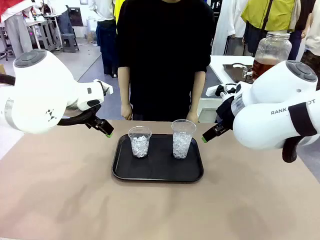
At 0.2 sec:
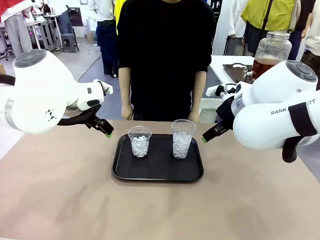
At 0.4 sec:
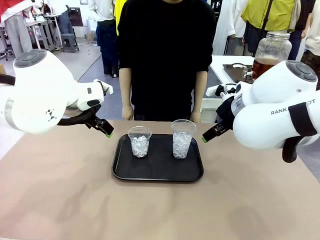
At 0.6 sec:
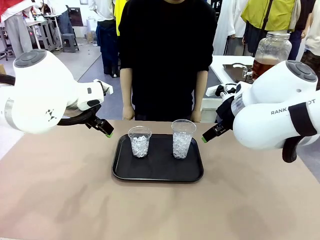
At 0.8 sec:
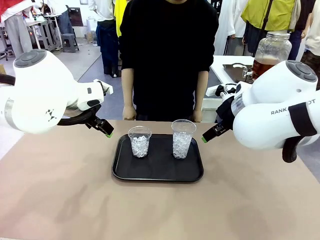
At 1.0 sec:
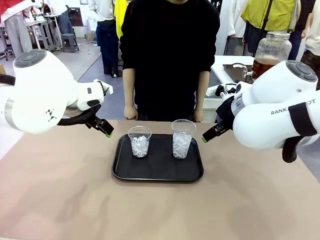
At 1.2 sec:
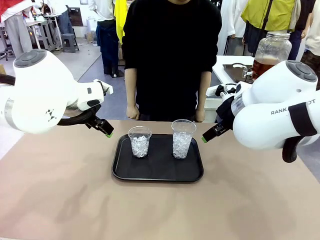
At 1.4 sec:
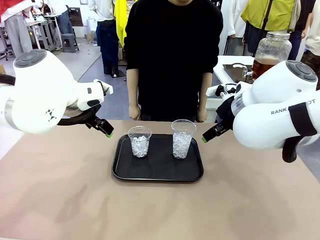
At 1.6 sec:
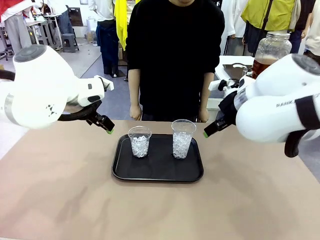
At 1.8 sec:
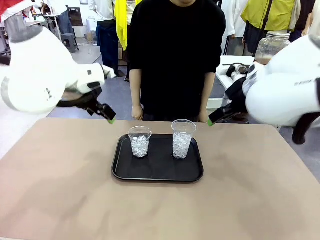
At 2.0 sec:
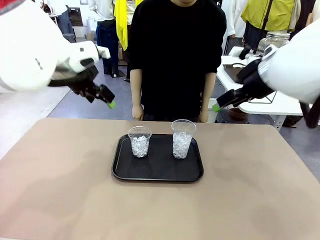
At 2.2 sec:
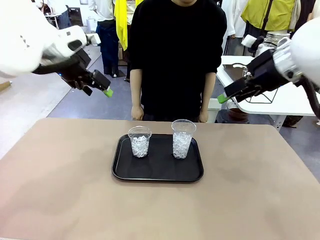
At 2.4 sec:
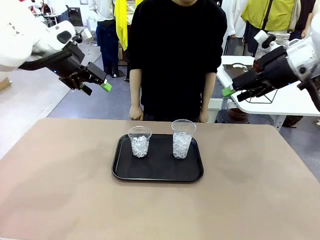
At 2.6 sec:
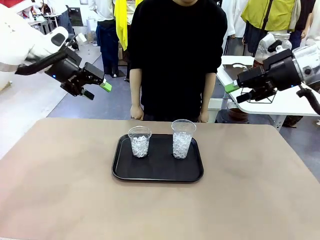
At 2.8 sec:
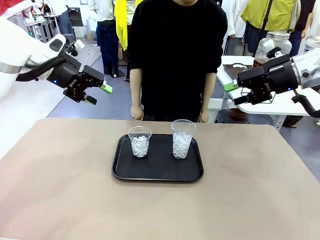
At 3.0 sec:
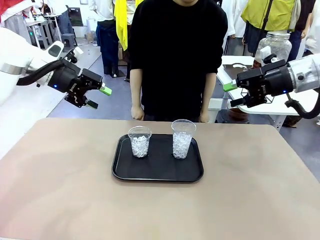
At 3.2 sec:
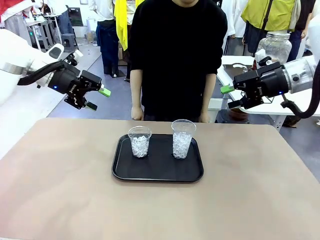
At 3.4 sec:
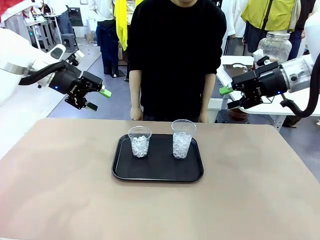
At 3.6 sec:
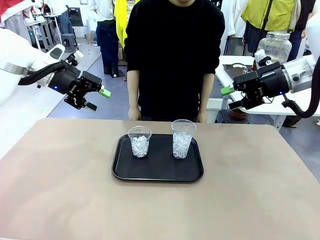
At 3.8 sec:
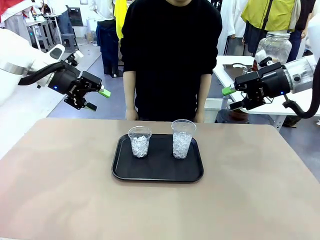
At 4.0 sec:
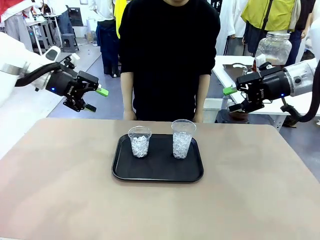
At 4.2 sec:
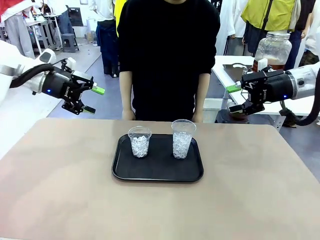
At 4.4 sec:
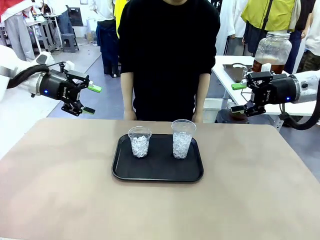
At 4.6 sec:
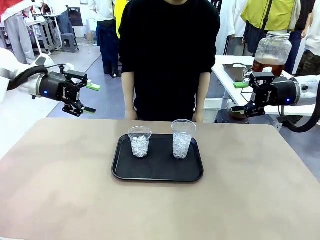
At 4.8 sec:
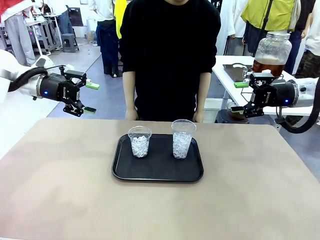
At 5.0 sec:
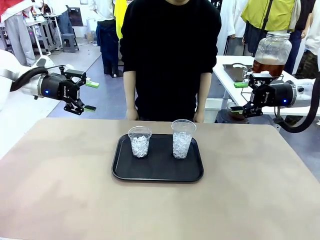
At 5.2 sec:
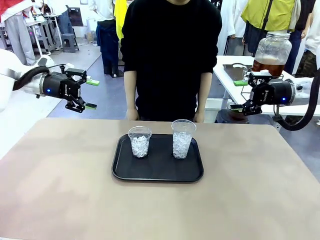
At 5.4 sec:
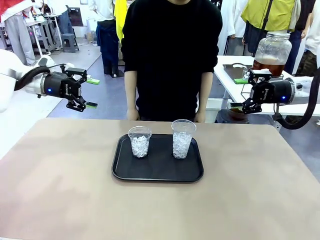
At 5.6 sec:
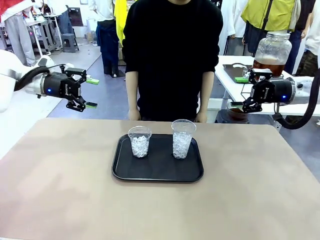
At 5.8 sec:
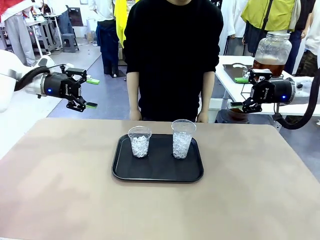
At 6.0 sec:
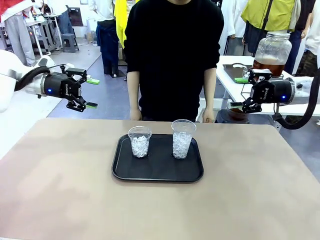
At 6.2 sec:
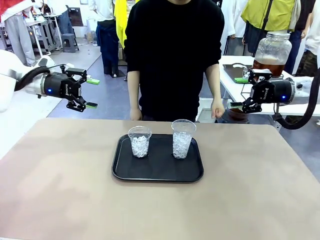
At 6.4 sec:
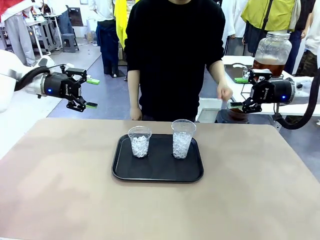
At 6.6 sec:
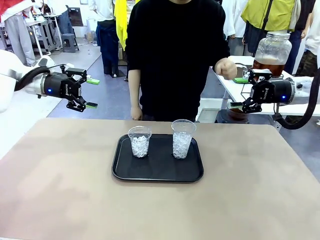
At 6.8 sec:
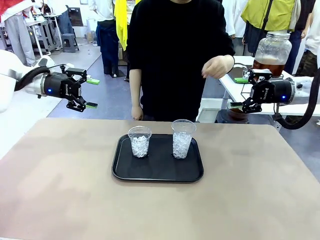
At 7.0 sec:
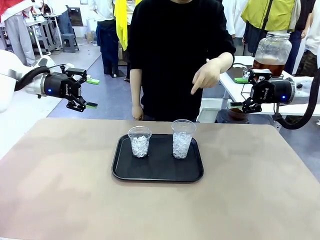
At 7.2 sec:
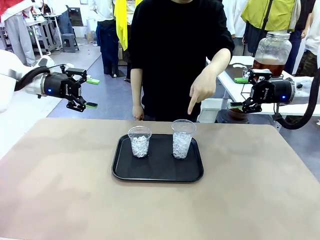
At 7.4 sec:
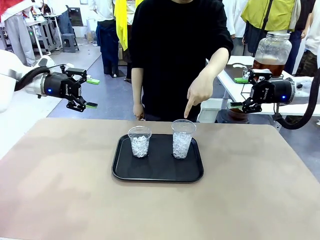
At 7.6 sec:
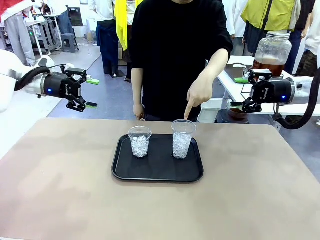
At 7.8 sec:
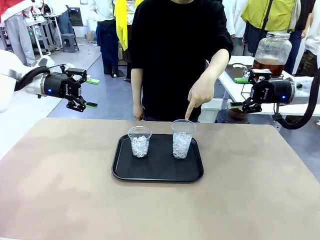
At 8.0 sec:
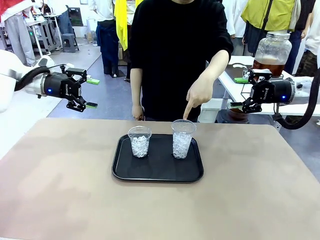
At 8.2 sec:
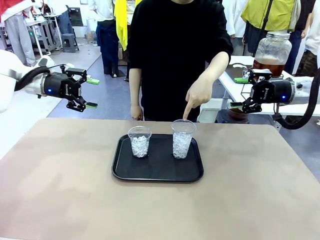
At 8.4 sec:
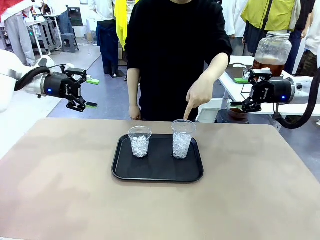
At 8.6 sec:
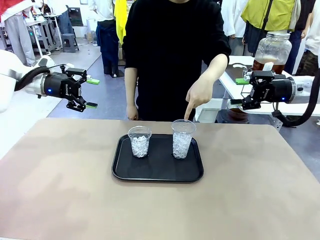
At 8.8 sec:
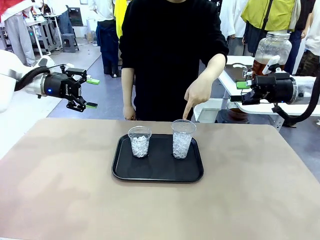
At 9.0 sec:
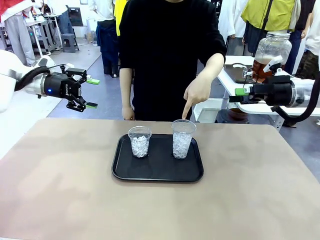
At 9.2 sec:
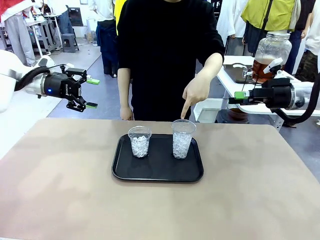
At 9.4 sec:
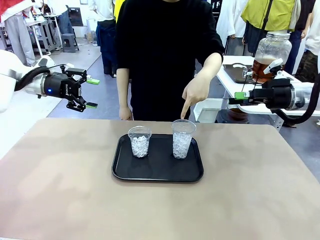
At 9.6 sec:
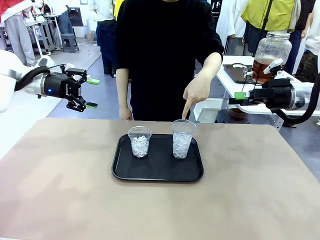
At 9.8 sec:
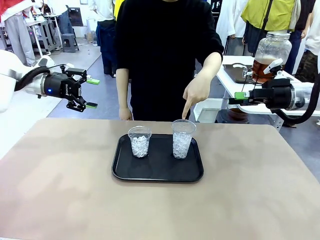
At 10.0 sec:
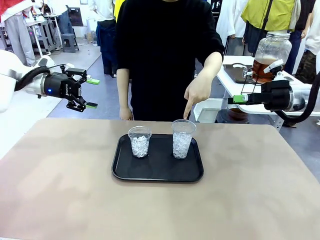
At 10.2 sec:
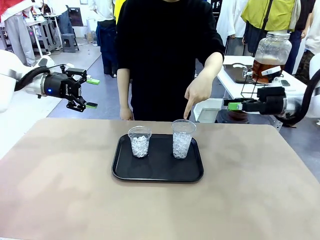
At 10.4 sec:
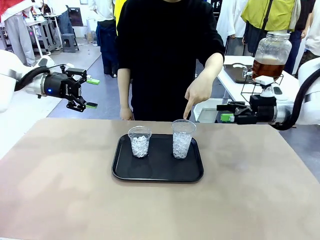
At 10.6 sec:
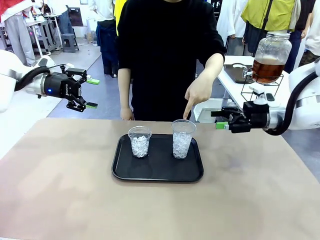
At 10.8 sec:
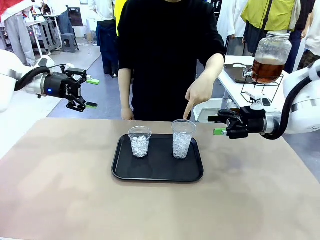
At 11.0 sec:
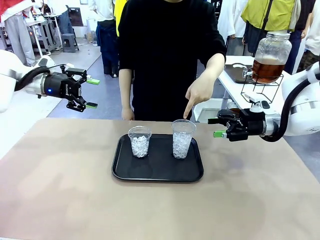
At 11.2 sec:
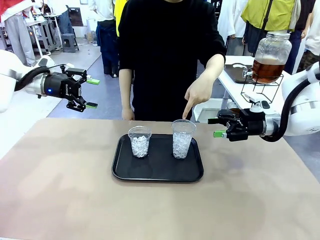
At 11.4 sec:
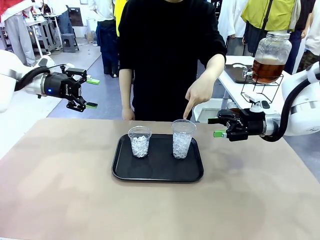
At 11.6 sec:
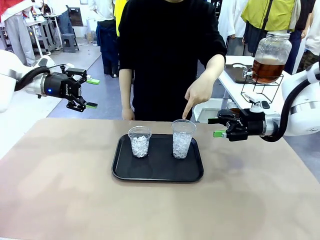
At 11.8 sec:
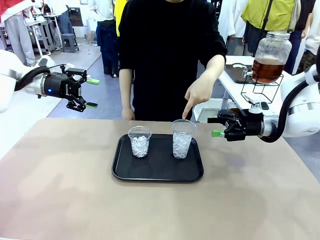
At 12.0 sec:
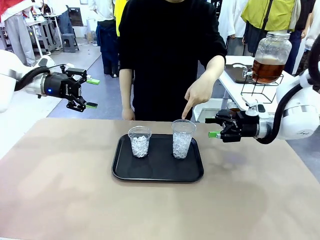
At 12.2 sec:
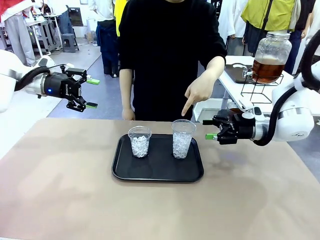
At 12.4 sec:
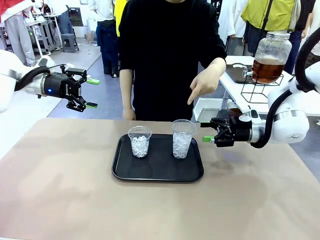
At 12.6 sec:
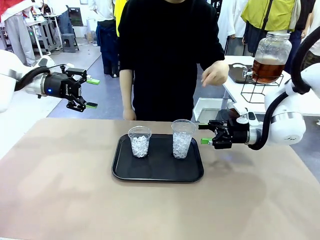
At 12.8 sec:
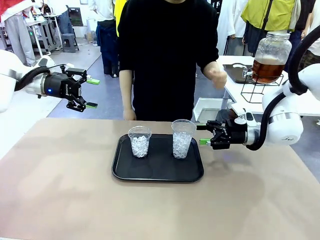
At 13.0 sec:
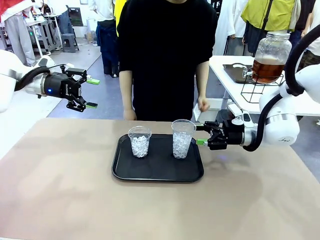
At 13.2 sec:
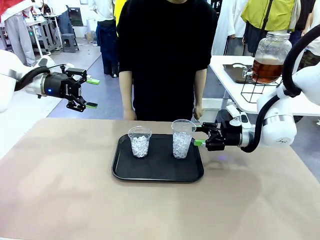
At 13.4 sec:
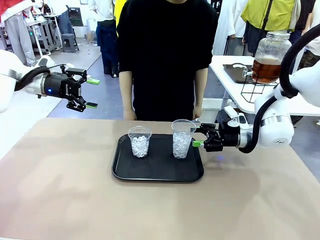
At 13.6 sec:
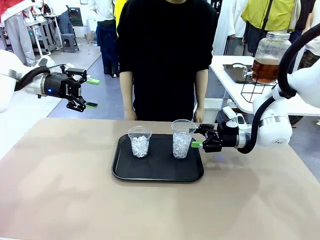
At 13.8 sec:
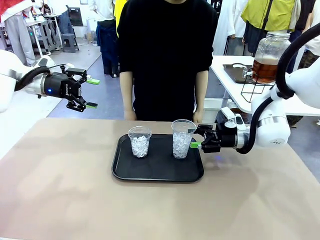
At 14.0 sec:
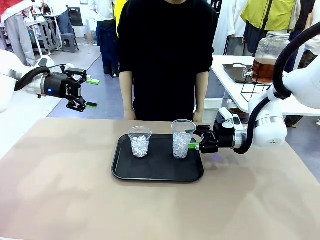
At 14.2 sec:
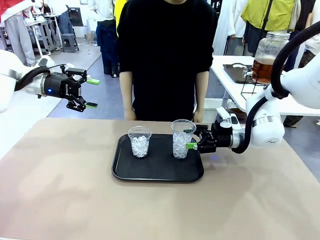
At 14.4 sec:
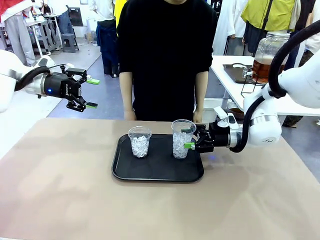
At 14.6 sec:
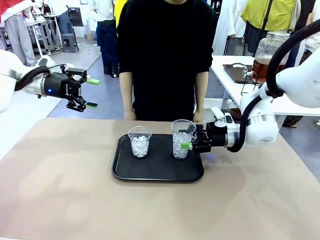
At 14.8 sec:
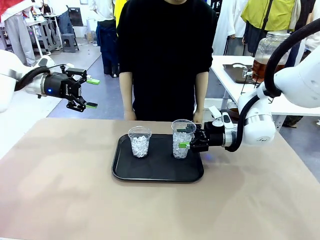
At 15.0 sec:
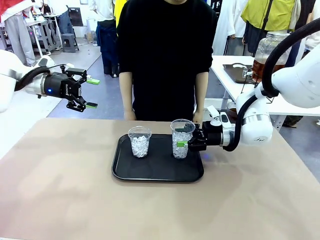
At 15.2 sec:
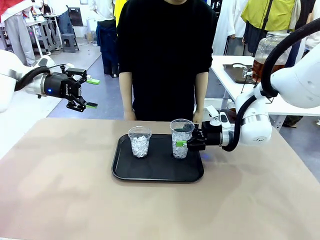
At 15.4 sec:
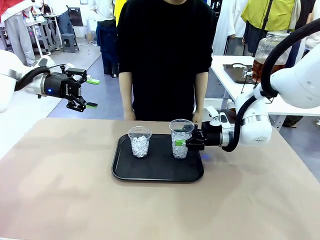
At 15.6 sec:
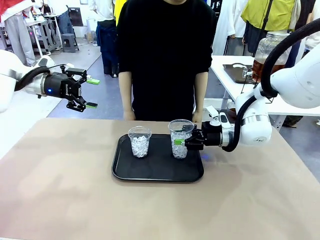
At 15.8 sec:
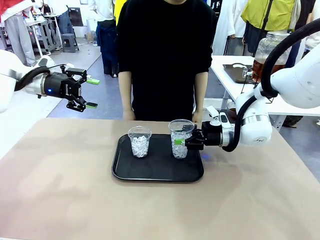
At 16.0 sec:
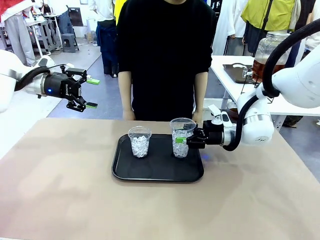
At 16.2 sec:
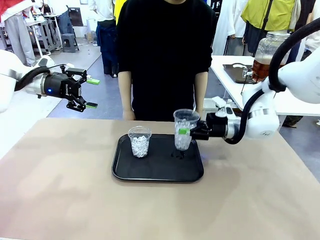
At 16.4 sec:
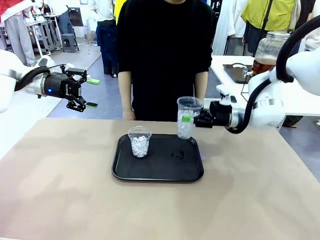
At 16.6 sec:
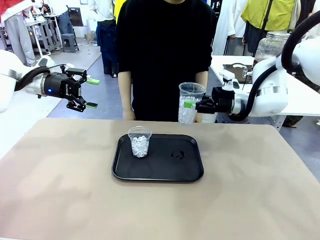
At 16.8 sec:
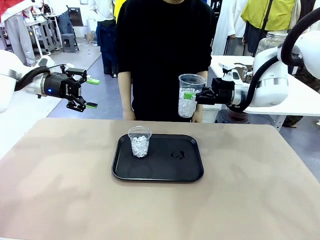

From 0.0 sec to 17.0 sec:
Task: Pour the drink into the iced cup.
Robot: Pick up the iced cup indicated by the human and present it to them.
Person: Point to one of the two ice cups. Pick up the cup offered by the robot.

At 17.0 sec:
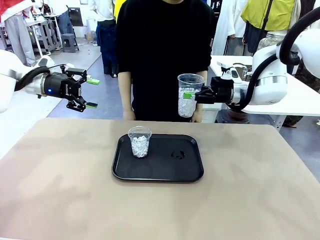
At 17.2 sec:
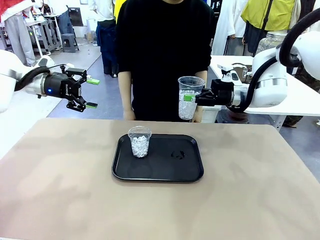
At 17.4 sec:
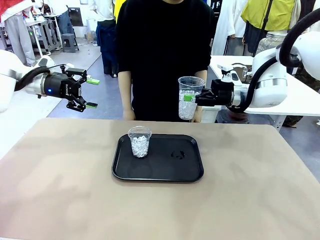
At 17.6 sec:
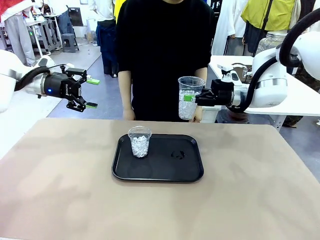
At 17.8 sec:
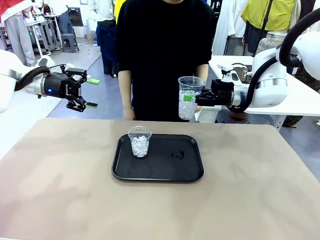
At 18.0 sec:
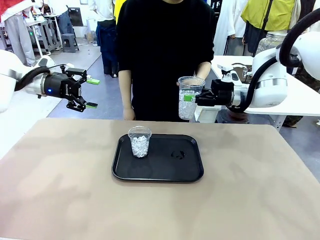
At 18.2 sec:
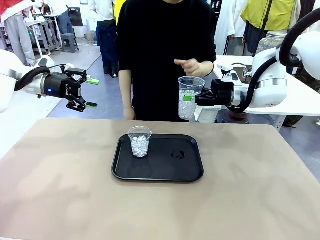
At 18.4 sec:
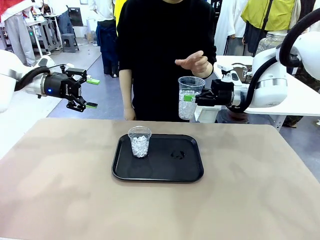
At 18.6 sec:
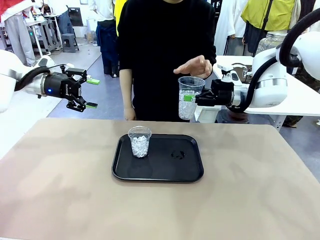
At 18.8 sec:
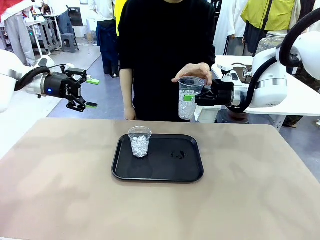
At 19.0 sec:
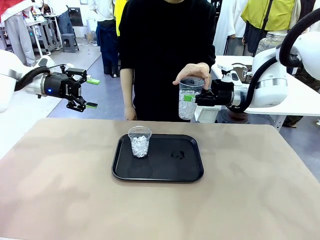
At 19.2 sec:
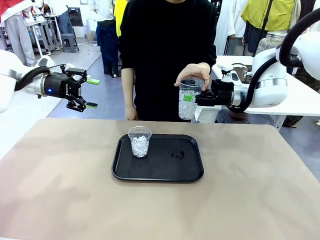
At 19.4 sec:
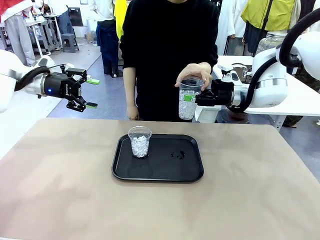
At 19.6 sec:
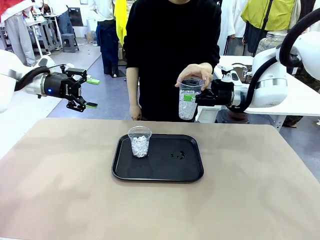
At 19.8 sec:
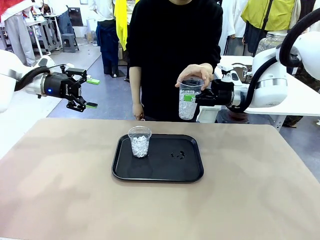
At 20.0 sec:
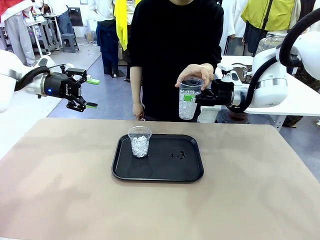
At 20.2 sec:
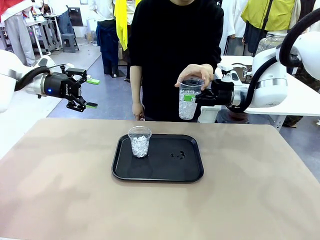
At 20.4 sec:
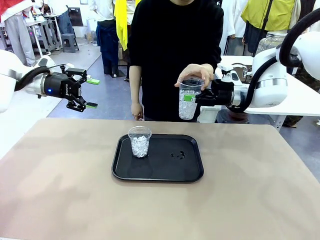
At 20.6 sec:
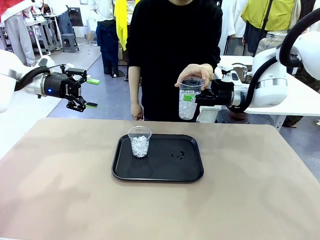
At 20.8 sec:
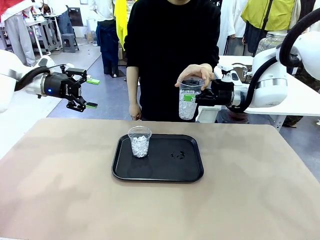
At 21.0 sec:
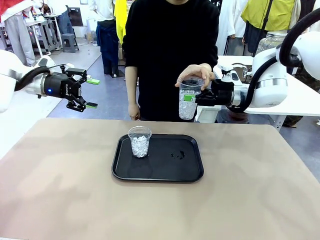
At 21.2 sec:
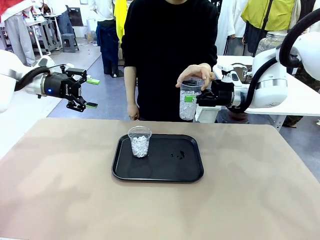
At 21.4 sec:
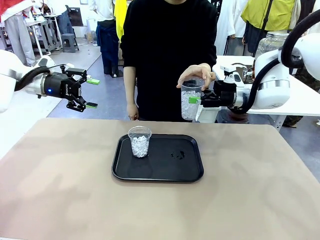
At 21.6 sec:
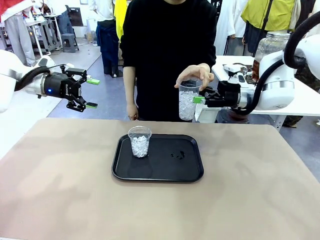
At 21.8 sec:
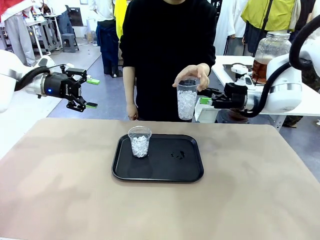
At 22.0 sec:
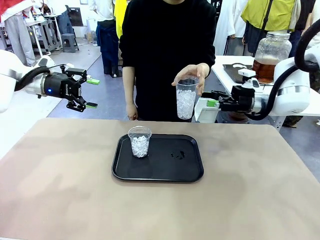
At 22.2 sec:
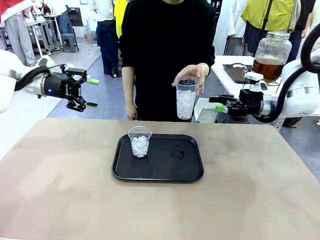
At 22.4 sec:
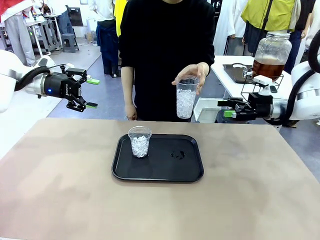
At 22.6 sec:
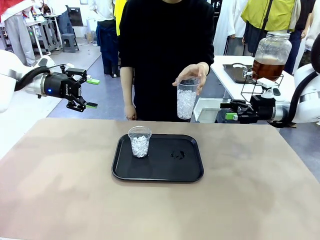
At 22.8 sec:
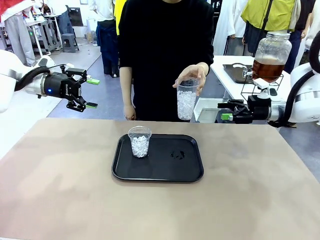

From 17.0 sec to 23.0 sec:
Robot: Open the gripper to release the iced cup you were holding.
